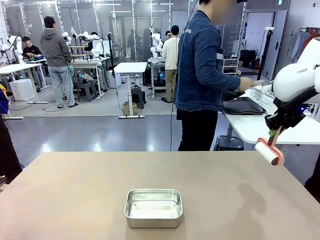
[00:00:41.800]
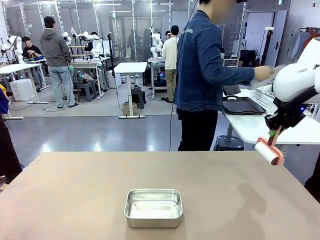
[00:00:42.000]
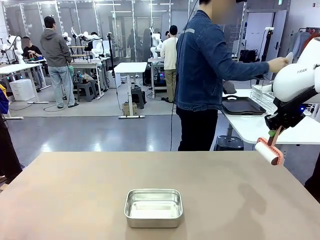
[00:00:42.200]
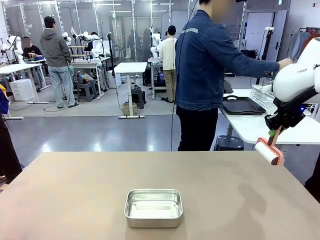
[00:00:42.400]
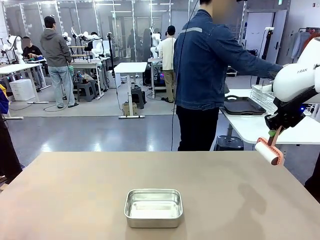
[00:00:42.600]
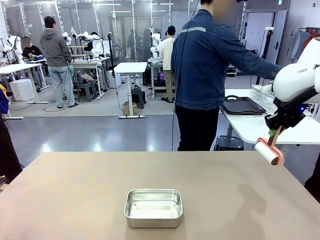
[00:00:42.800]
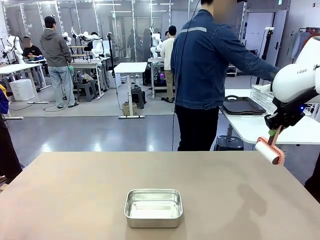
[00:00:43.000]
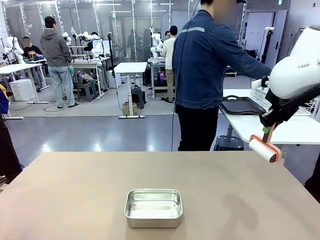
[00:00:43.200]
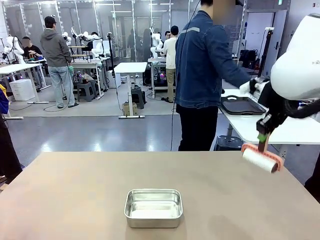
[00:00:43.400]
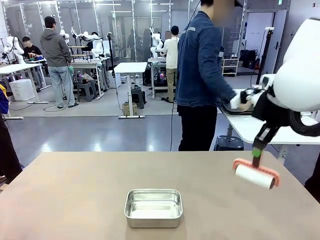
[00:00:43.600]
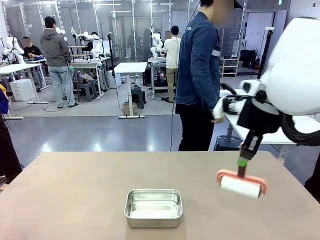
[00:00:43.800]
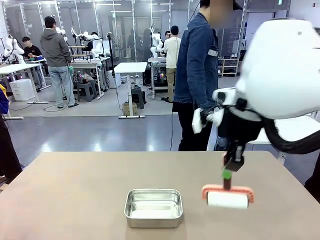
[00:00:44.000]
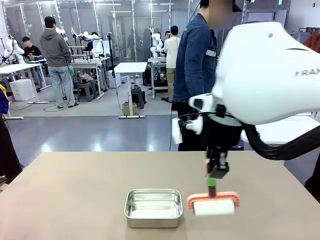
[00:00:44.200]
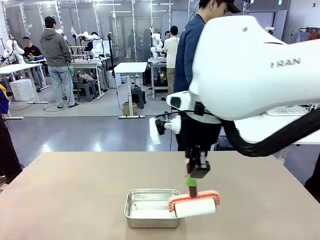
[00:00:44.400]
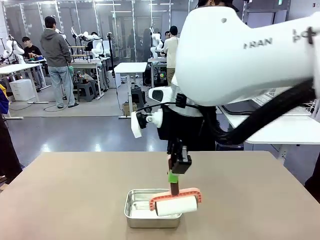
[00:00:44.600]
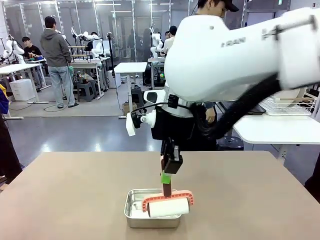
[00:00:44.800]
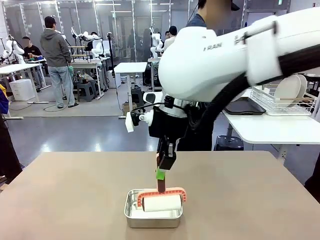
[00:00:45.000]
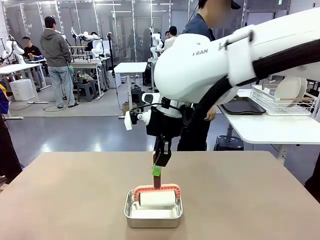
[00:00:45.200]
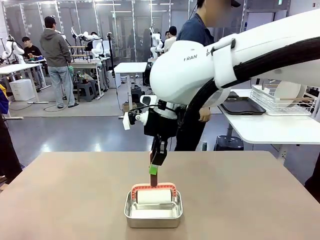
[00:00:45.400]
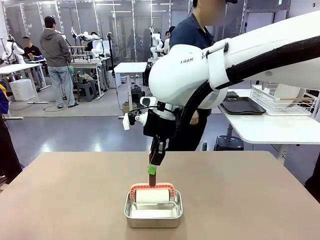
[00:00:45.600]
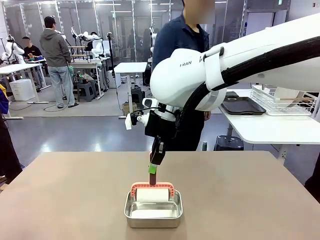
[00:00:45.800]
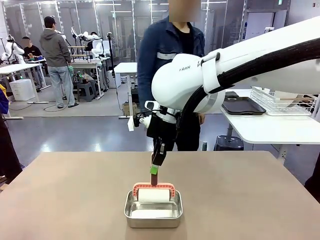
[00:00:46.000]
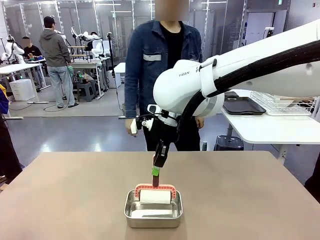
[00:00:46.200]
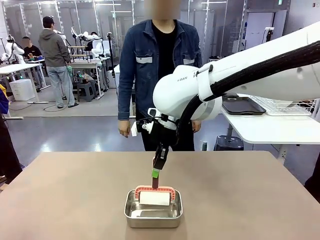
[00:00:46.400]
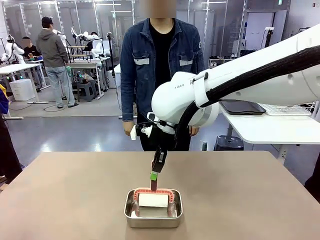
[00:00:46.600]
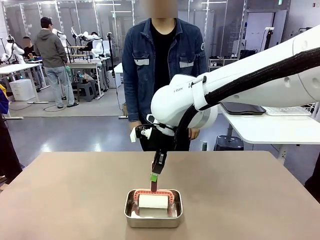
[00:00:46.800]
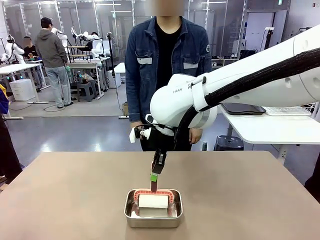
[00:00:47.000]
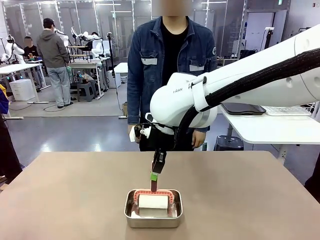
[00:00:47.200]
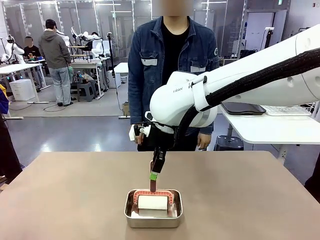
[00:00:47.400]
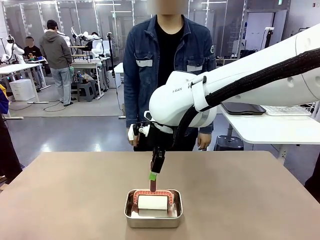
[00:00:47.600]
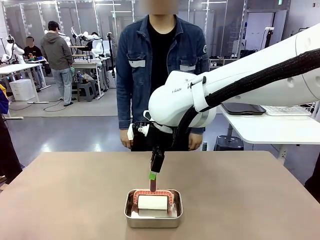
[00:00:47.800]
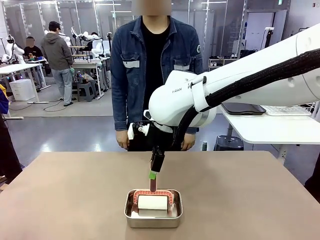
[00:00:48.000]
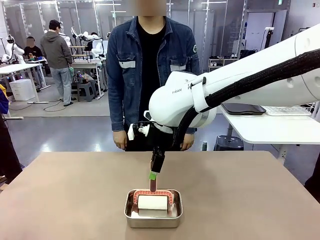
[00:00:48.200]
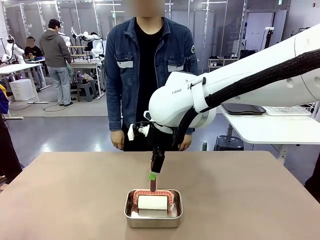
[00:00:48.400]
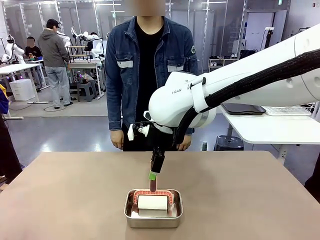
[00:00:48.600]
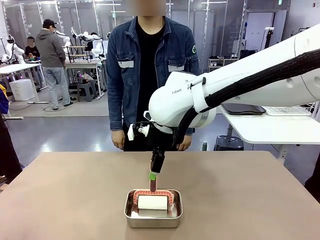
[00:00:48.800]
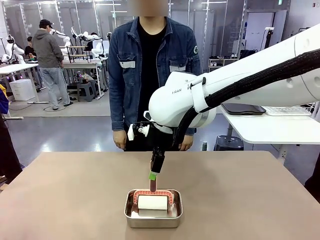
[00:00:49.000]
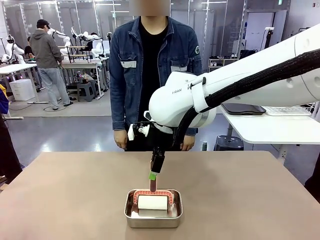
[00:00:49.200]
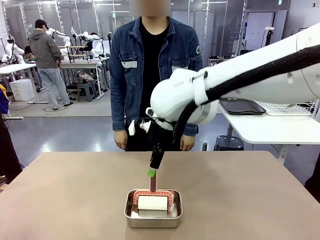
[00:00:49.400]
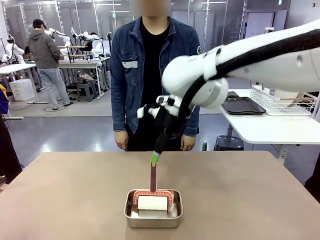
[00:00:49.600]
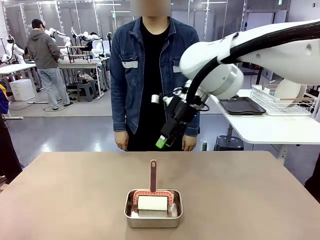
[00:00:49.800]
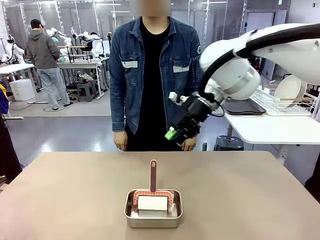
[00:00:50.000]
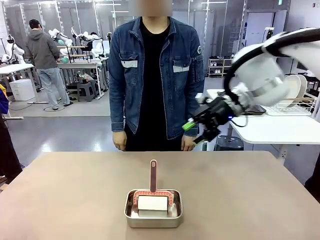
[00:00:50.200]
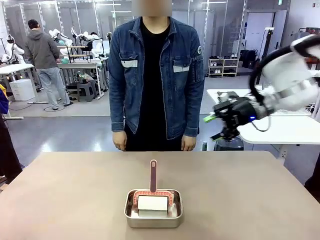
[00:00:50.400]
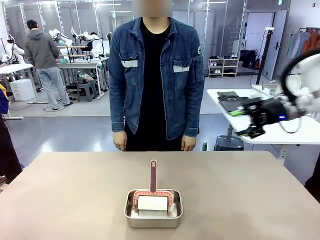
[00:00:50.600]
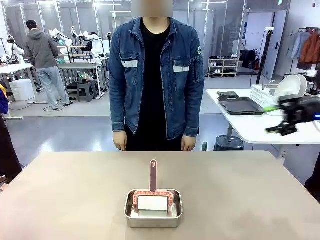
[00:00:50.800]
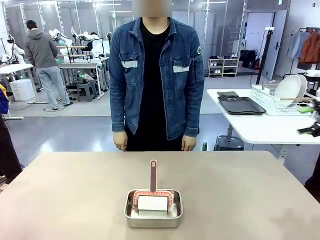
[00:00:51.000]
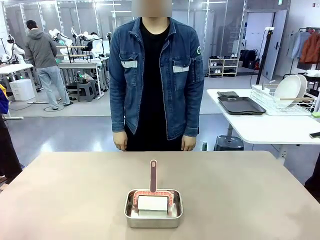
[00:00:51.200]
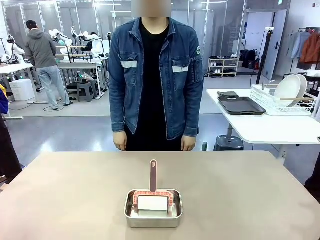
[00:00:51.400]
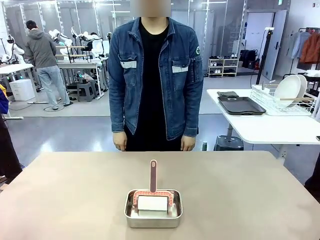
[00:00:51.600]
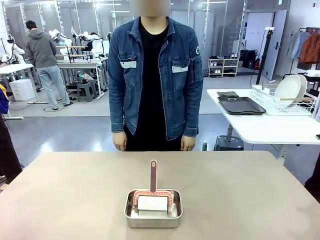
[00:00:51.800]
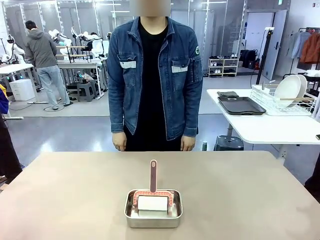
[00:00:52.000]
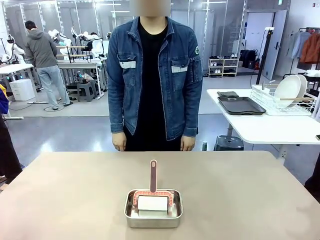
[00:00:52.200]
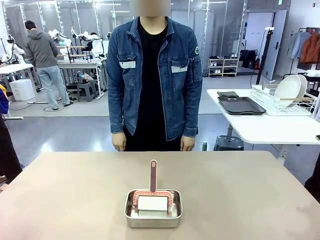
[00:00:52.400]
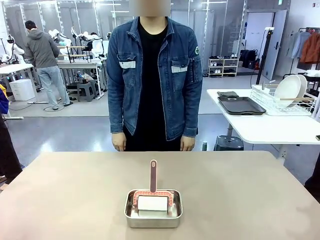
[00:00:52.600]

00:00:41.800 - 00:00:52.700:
Robot: Place the Lint Roller back on top of the Airtight Container.

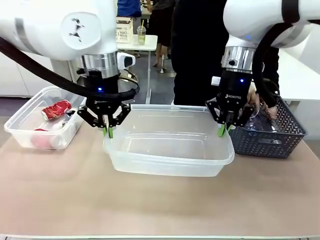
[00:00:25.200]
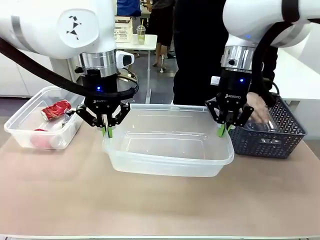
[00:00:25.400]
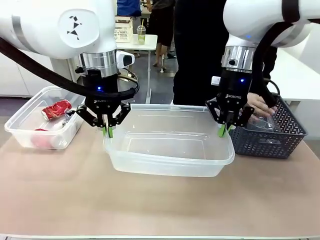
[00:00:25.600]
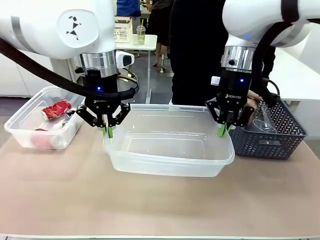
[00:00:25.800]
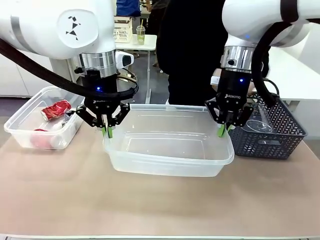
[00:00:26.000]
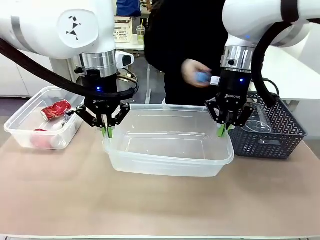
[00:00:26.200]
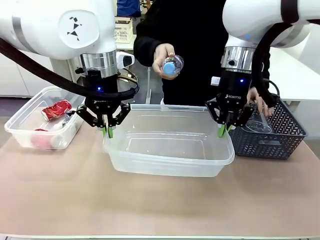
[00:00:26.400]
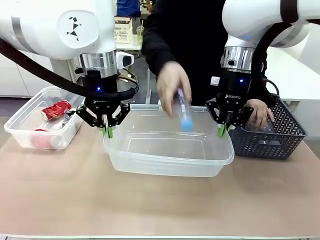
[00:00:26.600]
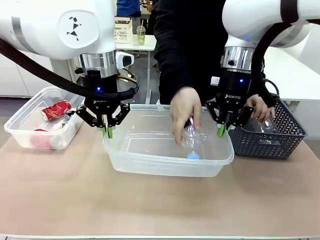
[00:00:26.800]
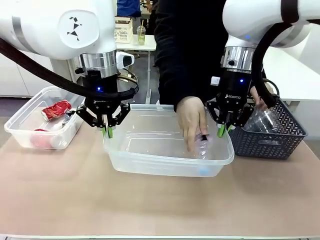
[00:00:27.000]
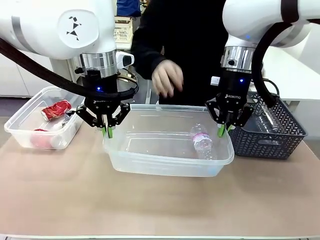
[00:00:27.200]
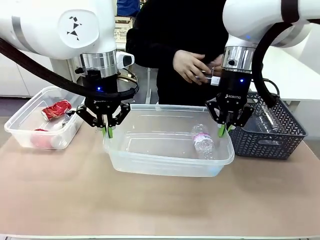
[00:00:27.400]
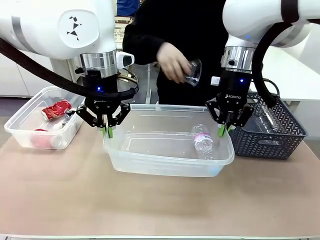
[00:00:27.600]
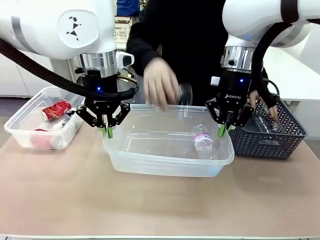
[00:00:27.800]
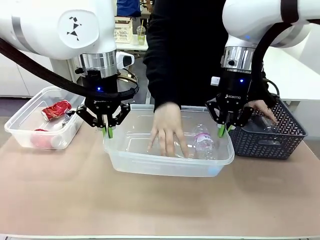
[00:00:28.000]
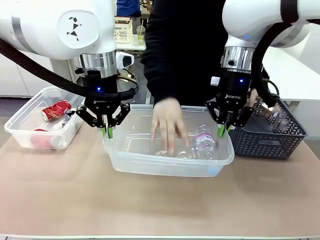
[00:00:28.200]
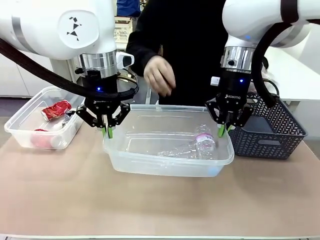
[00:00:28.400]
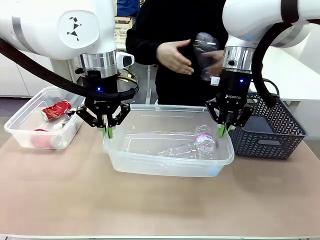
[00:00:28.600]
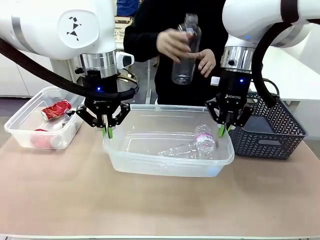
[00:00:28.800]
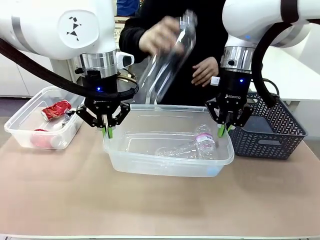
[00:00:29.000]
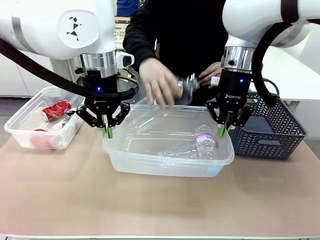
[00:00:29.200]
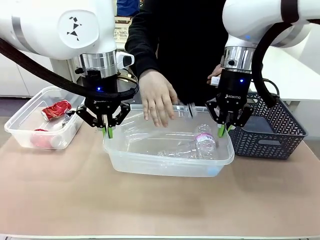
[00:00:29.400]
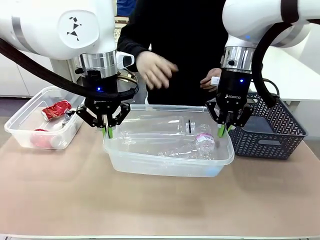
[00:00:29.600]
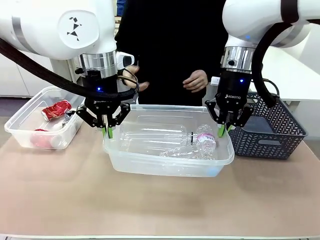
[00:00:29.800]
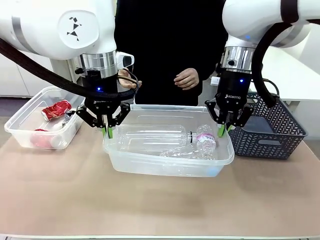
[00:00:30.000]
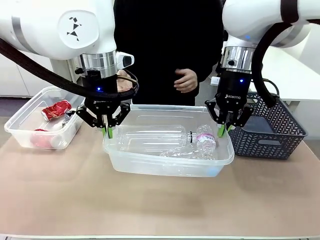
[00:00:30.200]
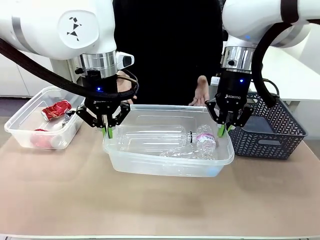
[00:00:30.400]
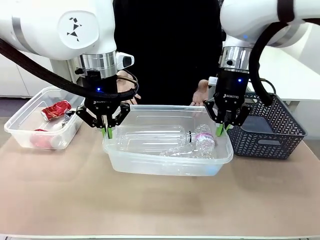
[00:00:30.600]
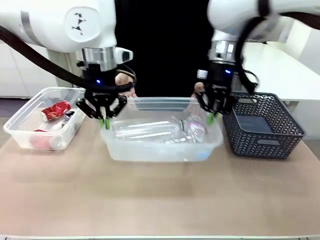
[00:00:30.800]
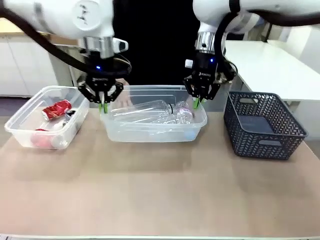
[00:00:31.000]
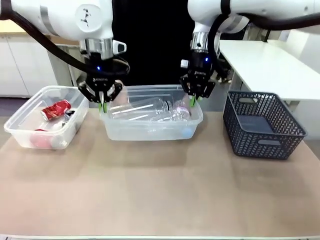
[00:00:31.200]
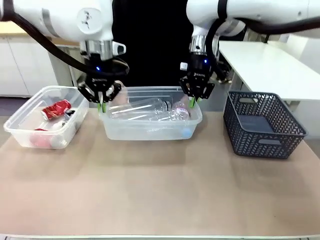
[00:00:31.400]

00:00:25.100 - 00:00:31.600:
Robot: Offer the picked Organizing box to the human.
Person: Pick up plastic waste one by one and place it into the organizing box lifted by the robot.

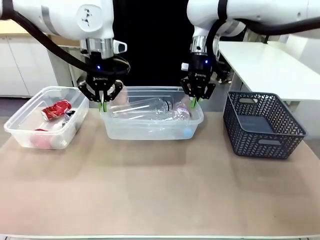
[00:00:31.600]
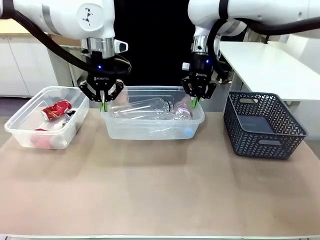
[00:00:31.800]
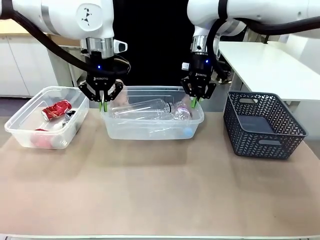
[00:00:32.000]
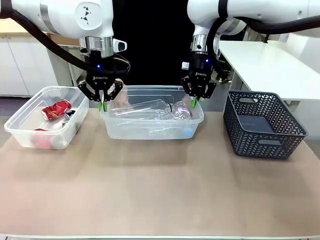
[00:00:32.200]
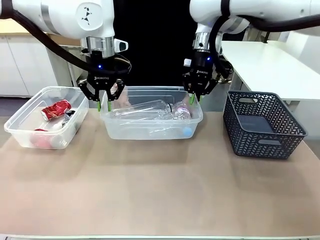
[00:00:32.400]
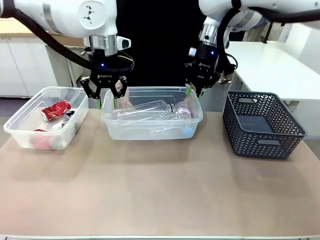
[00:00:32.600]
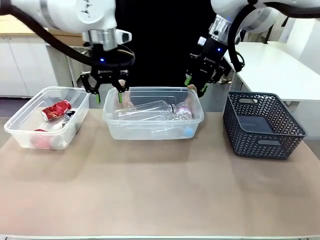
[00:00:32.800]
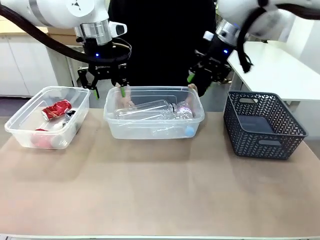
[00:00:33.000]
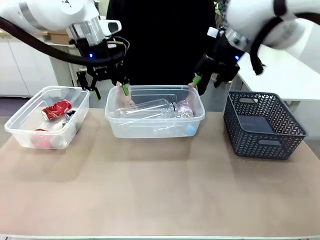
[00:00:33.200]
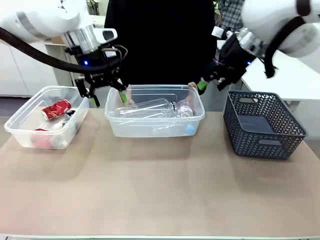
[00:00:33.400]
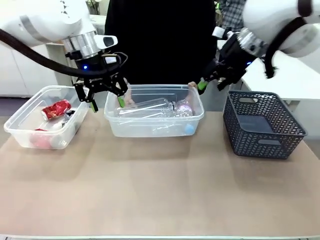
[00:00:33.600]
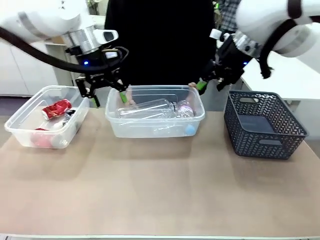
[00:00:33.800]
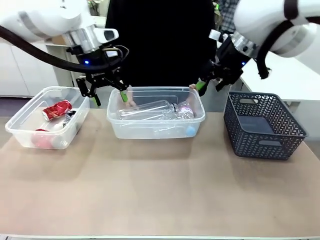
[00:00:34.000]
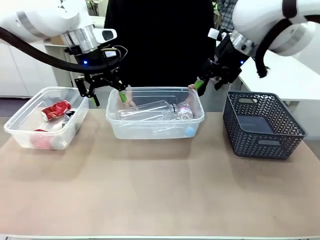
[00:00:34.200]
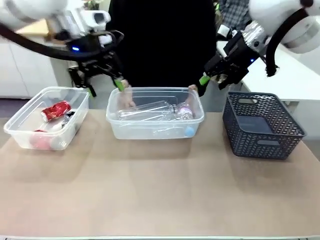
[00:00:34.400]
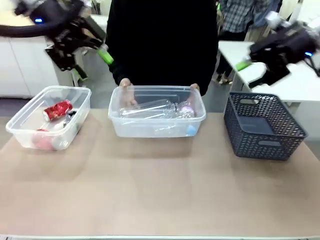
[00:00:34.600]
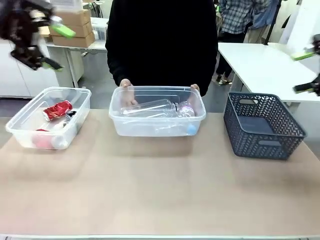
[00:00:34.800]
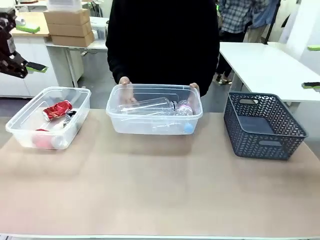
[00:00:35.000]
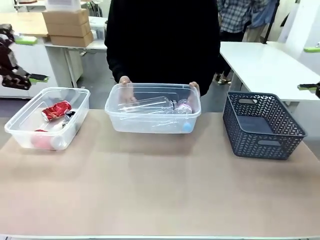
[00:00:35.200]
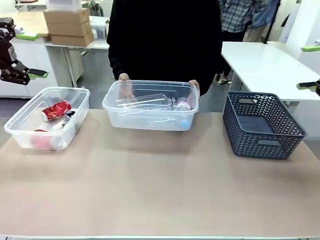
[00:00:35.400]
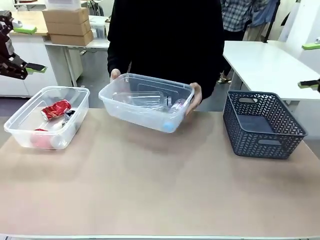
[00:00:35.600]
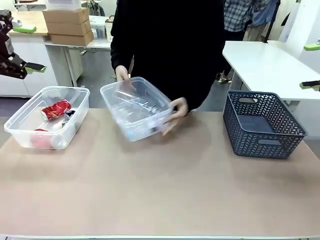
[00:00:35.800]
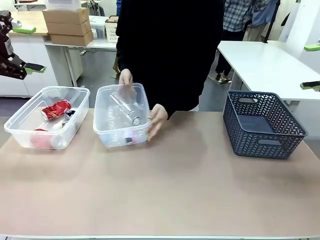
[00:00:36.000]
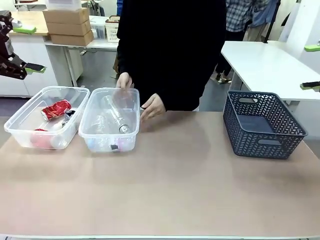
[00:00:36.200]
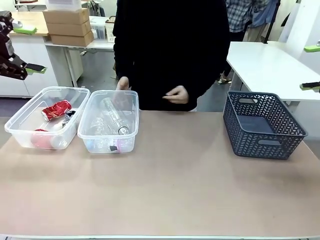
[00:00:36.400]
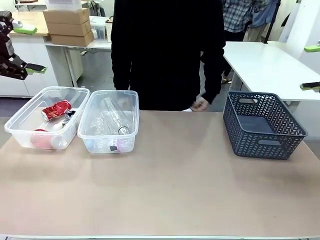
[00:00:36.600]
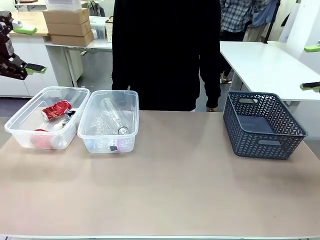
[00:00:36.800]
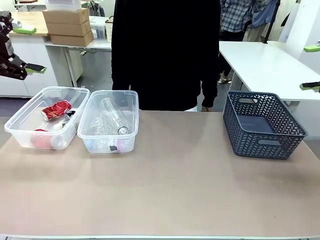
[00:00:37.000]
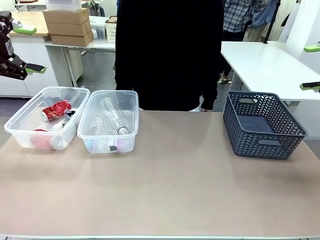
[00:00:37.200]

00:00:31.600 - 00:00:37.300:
Robot: Release the Organizing box you were holding.
Person: Pick up the organizing box extended by the robot. Place the organizing box to the left of the sorting box containing the can waste.
